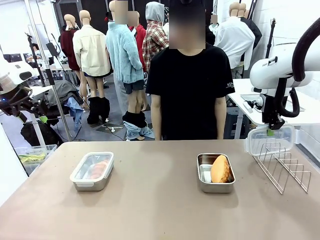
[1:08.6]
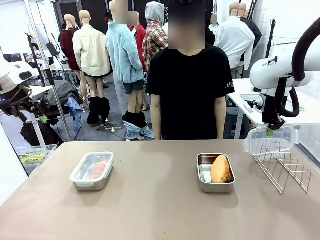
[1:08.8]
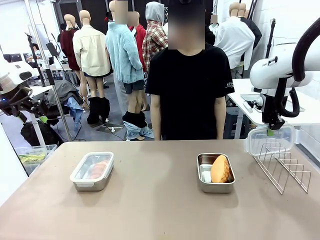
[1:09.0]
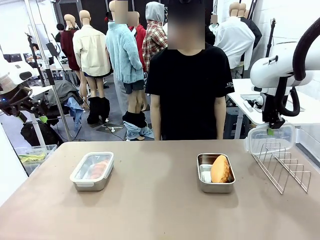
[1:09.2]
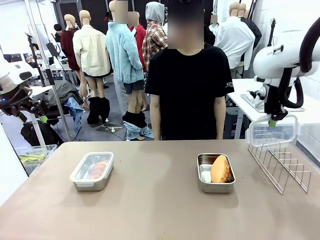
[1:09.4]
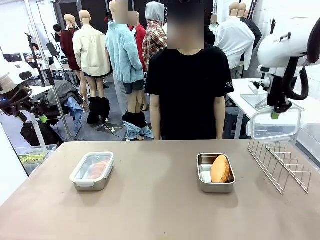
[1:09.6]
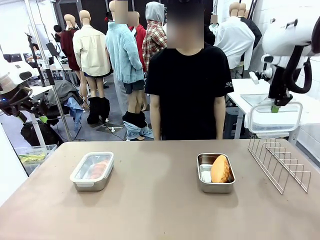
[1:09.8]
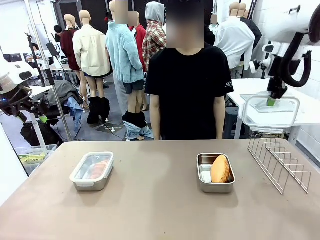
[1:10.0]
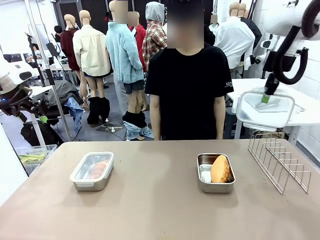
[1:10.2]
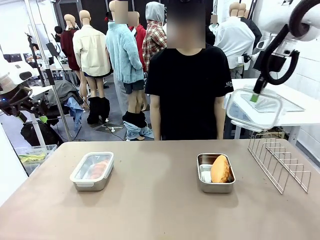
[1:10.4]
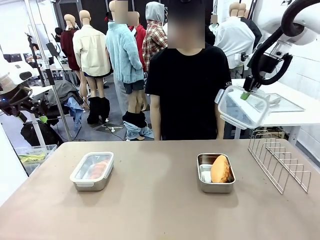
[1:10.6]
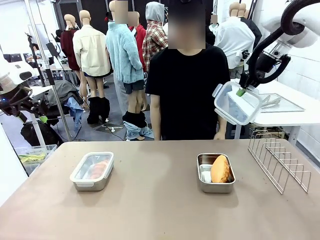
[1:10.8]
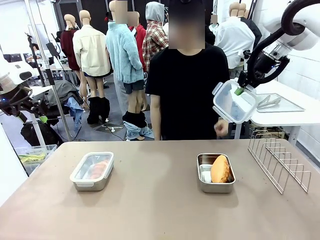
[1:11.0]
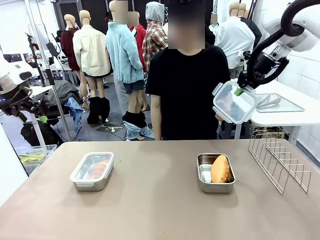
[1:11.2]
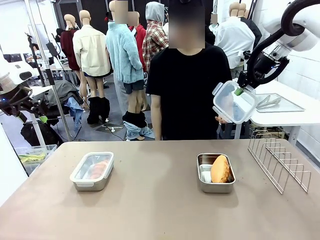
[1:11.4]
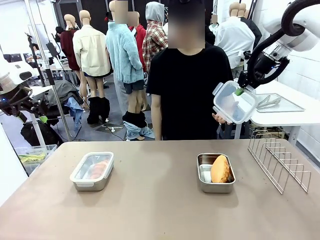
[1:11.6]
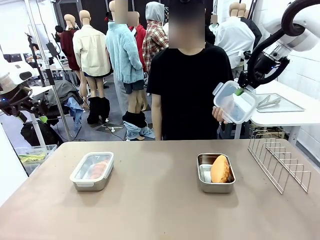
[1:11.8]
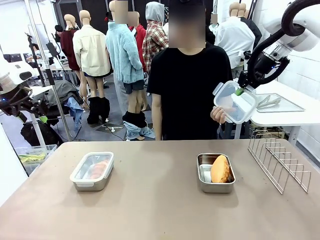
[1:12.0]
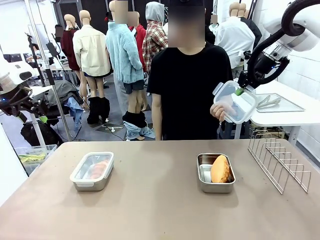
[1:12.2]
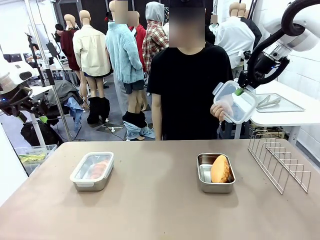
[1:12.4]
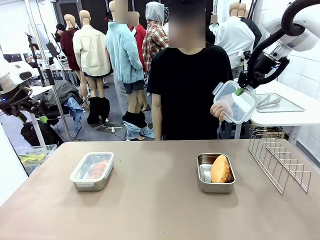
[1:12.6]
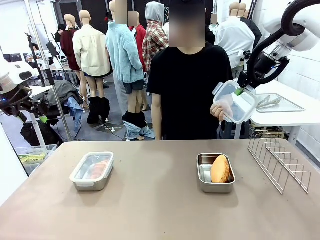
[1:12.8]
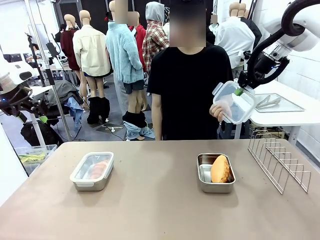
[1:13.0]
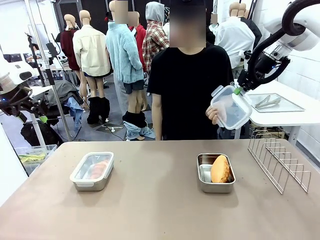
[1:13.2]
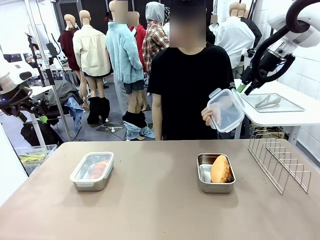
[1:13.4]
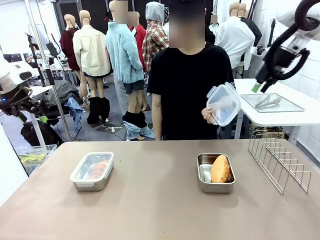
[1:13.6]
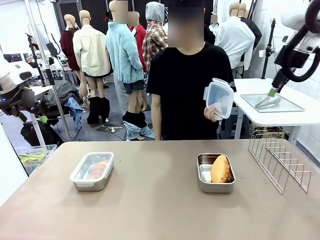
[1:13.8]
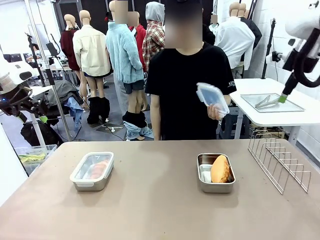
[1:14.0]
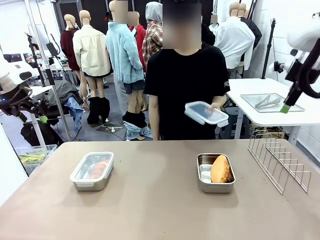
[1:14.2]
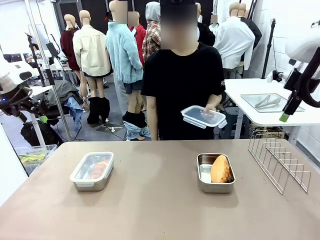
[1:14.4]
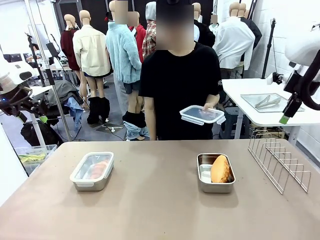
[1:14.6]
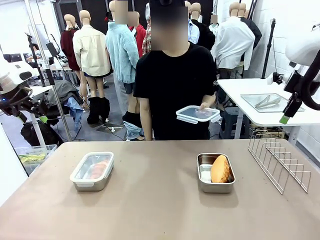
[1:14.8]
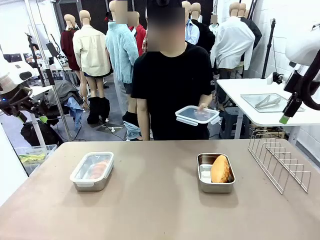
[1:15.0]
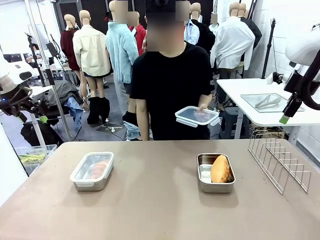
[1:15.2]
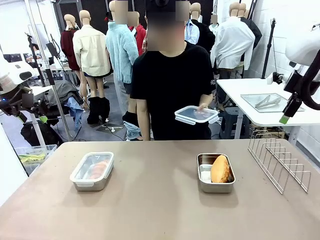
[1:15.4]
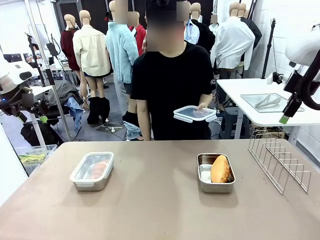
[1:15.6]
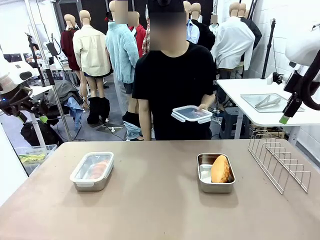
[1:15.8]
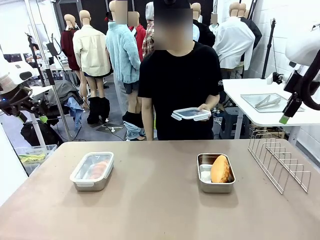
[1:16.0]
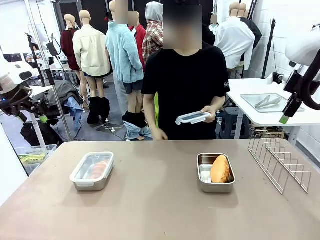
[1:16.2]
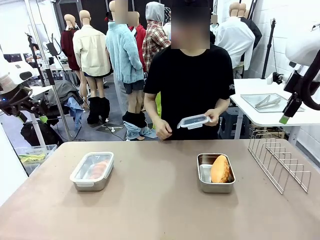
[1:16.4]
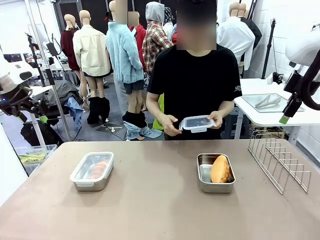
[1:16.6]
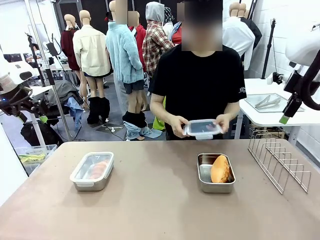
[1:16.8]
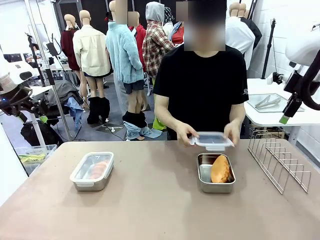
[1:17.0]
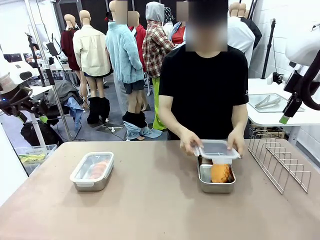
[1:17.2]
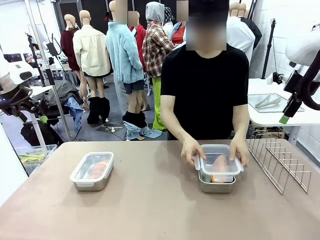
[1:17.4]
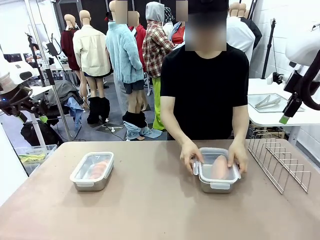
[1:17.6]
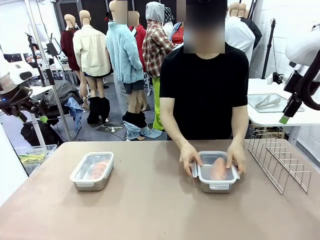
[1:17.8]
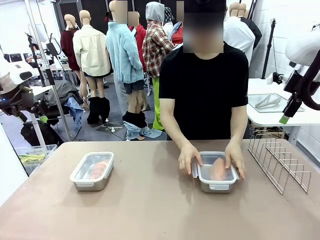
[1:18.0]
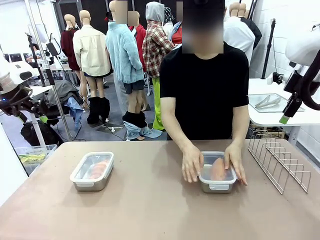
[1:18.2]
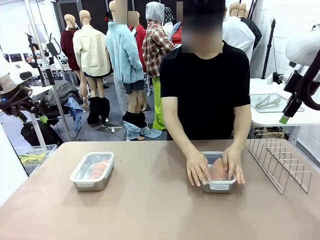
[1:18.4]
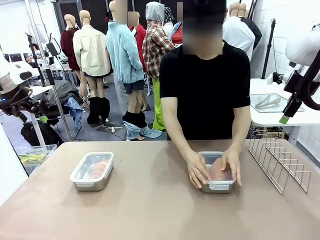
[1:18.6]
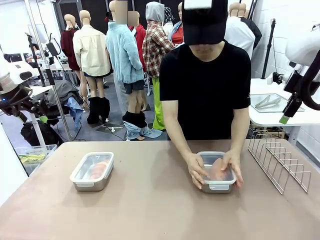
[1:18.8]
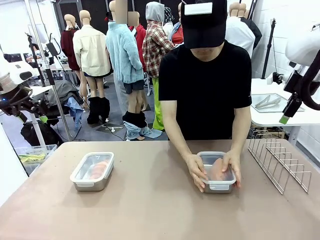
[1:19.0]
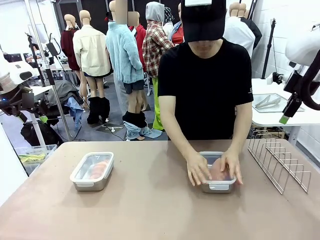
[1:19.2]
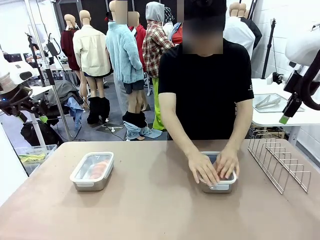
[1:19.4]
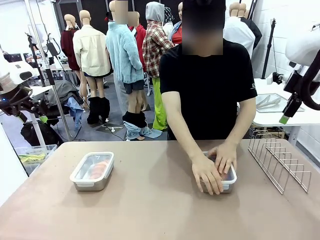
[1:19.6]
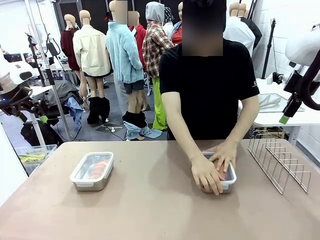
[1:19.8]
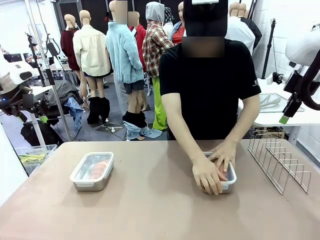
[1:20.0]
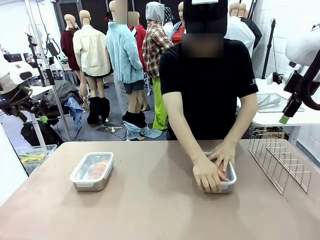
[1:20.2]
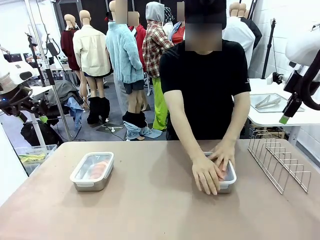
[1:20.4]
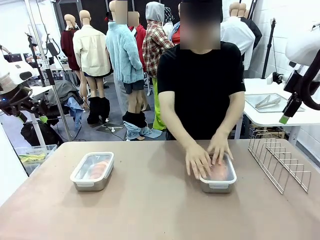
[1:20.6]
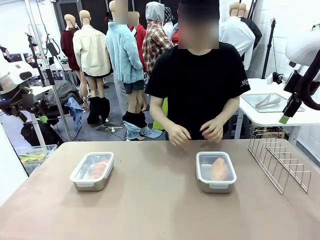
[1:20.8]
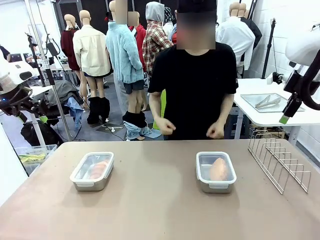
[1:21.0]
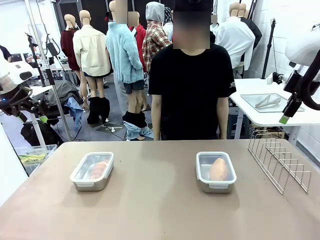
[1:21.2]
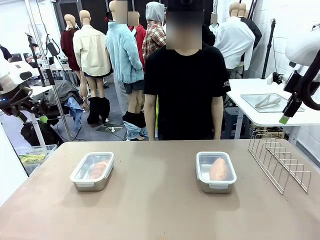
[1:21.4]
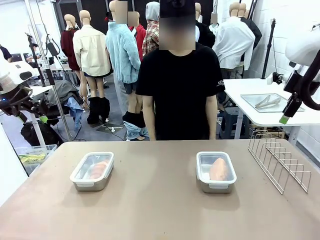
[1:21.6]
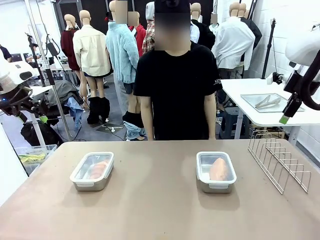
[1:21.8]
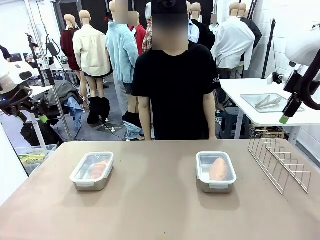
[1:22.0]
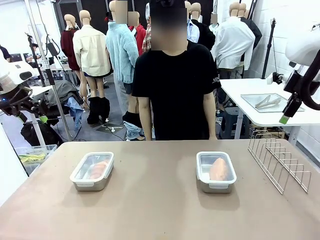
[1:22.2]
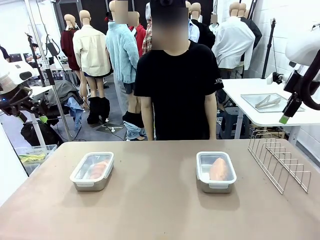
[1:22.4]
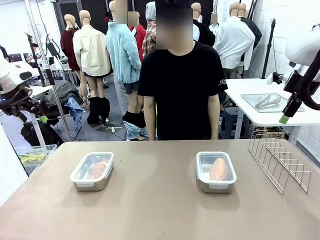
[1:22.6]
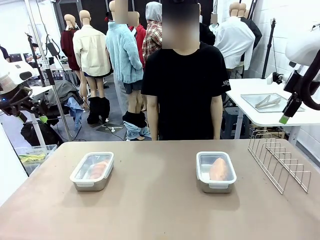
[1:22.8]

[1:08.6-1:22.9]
Task: Place the bread in airtight containers.
Robot: Release when the human grabs the Airtight Container lid.
Person: Grip Airtight Container lid that robot is handing. Close Airtight Container with a handed Airtight Container lid.
